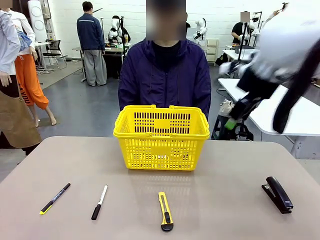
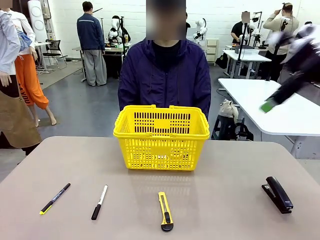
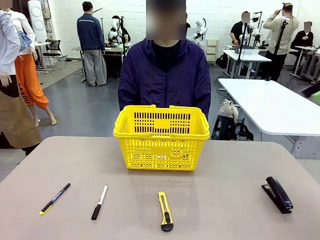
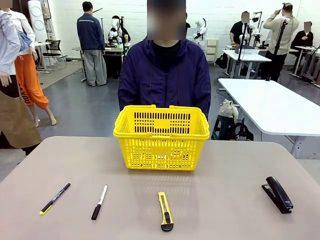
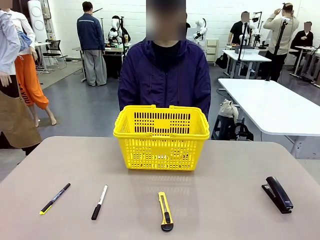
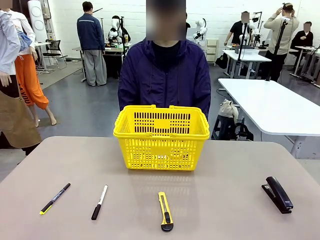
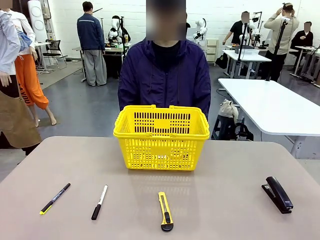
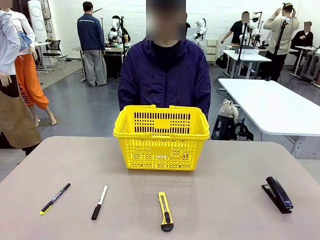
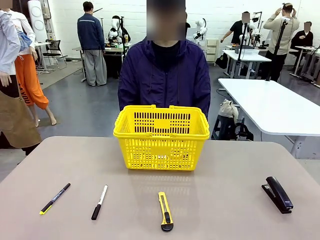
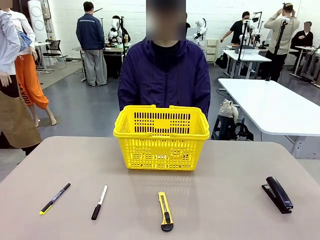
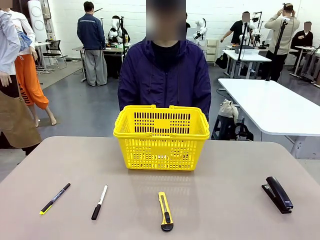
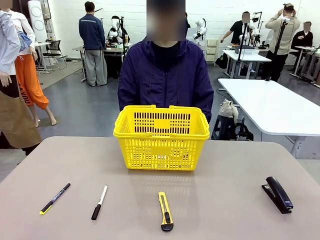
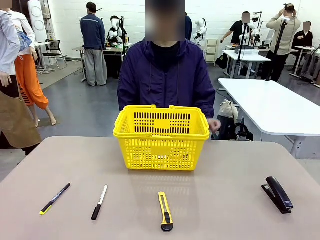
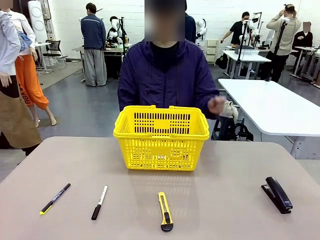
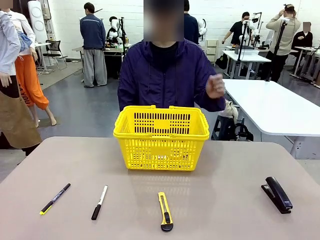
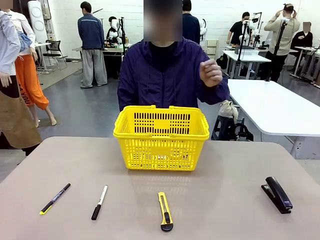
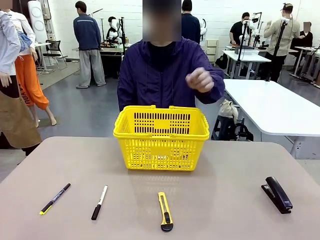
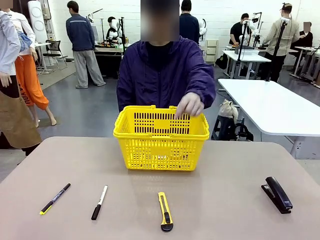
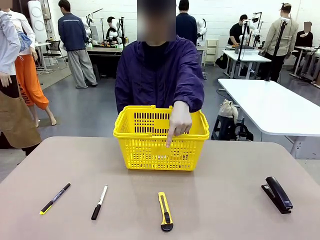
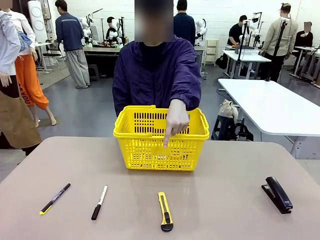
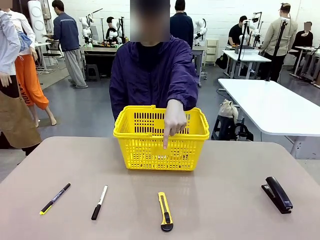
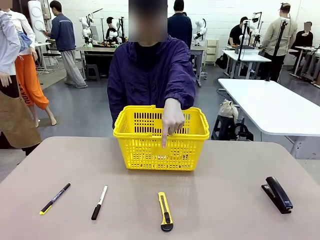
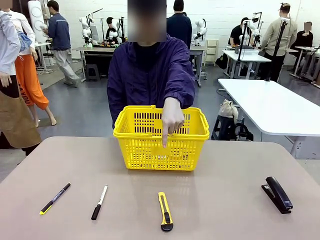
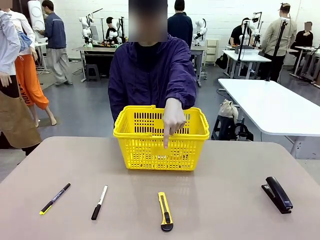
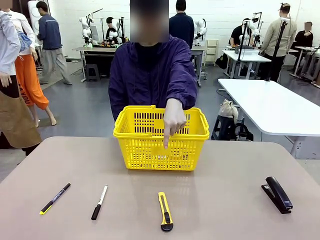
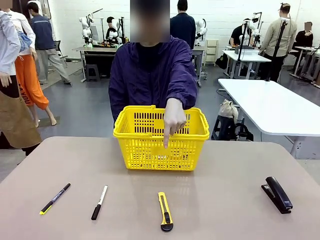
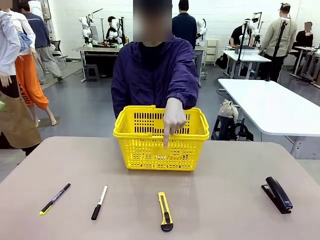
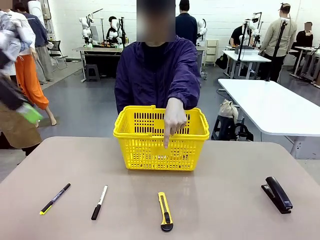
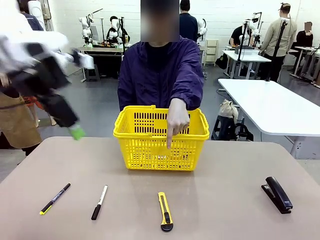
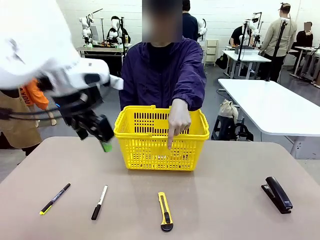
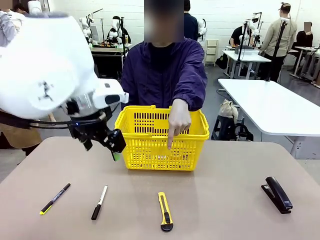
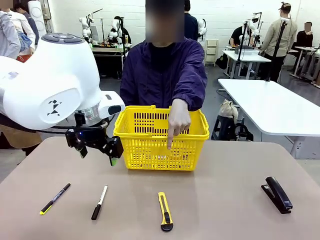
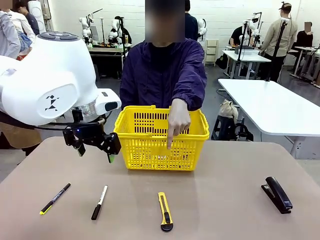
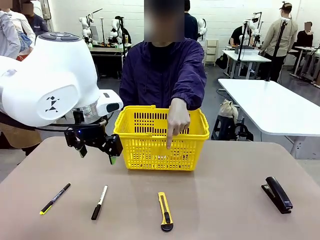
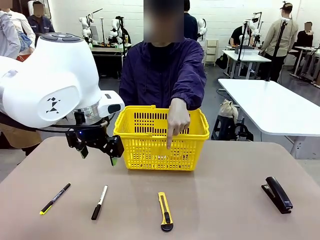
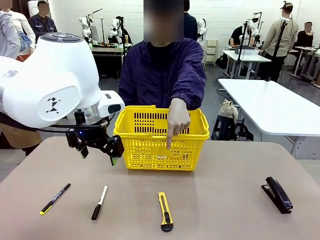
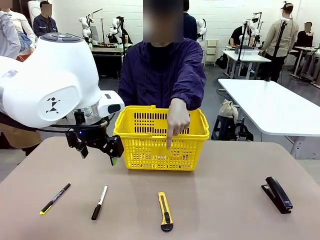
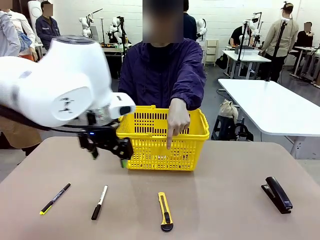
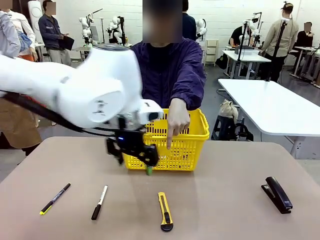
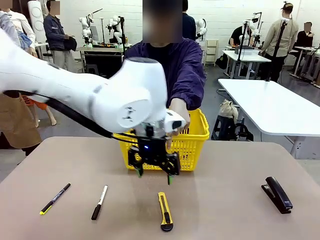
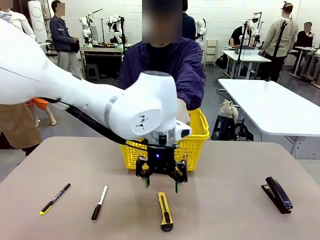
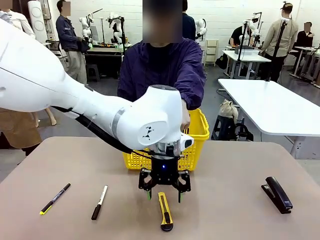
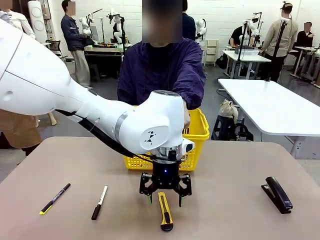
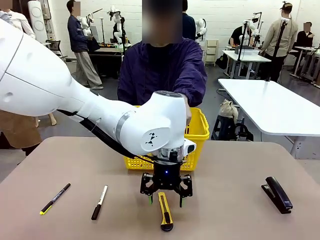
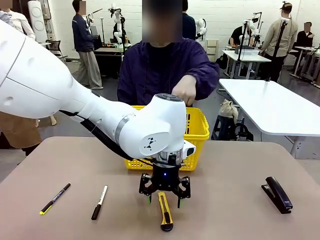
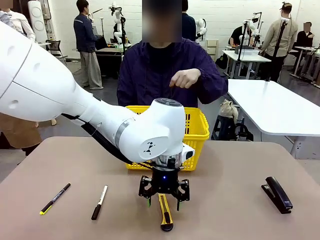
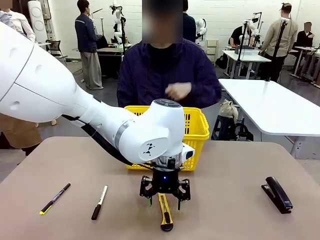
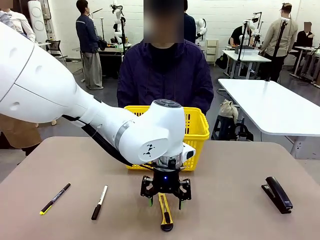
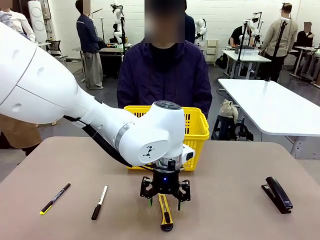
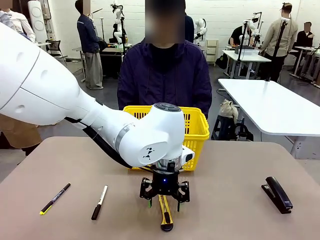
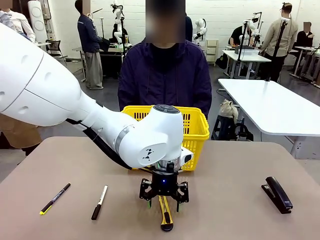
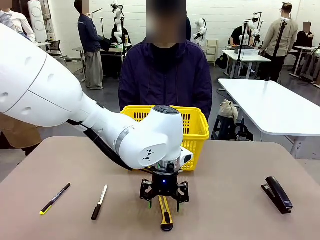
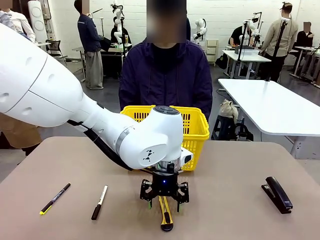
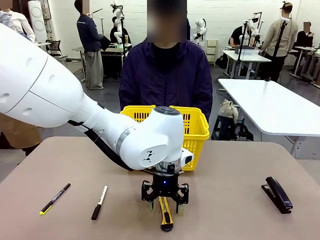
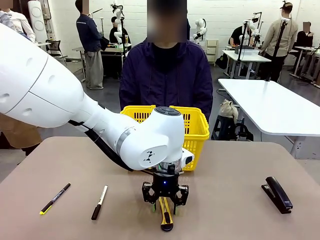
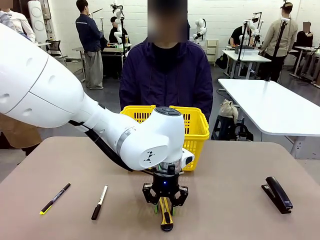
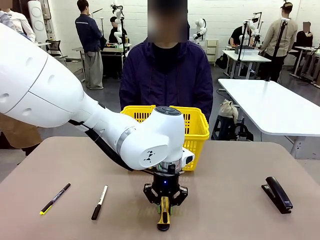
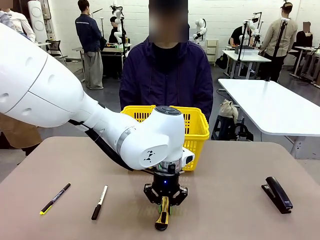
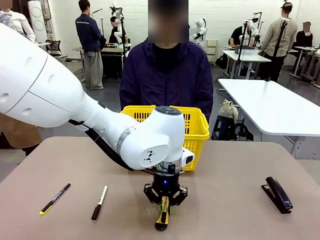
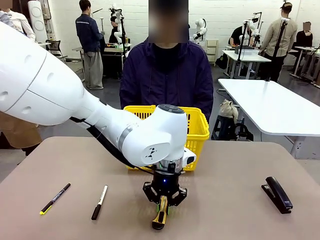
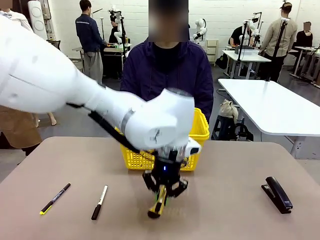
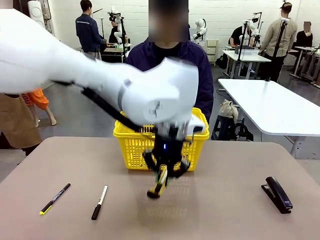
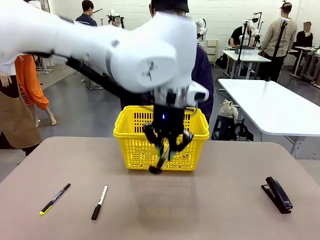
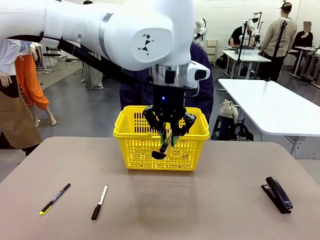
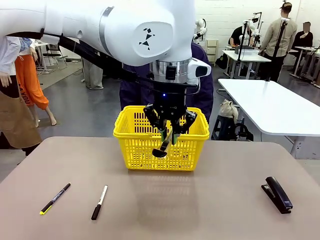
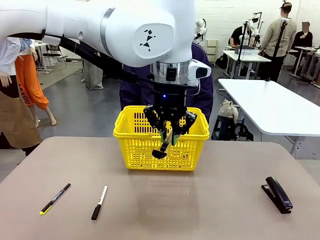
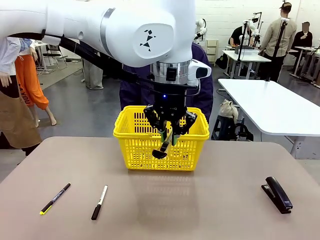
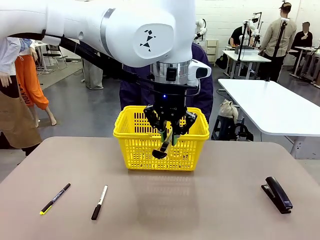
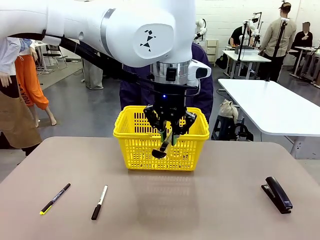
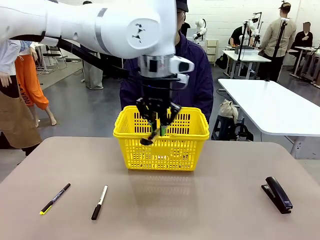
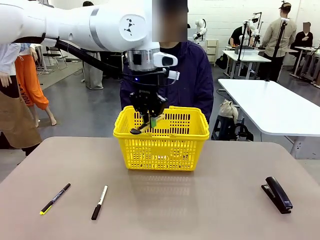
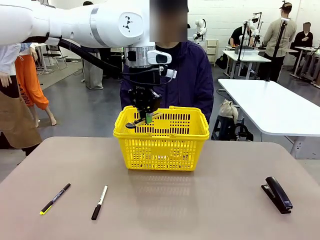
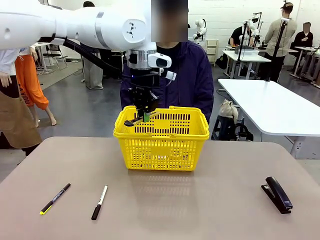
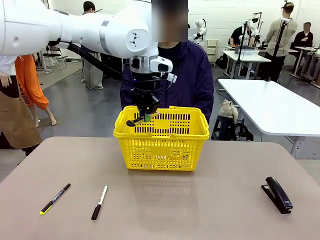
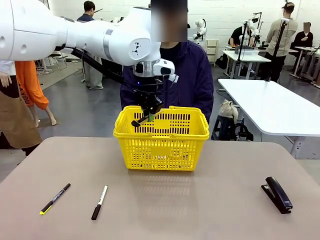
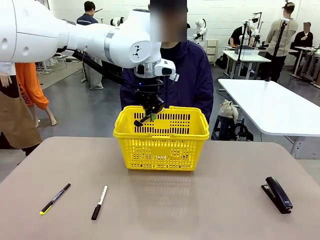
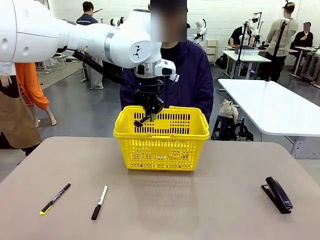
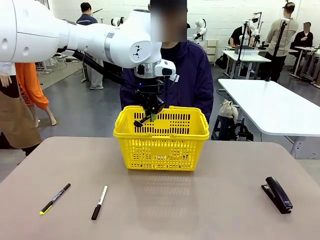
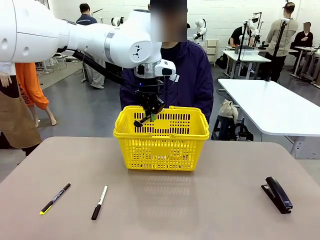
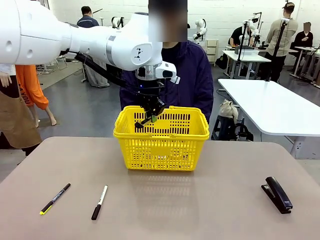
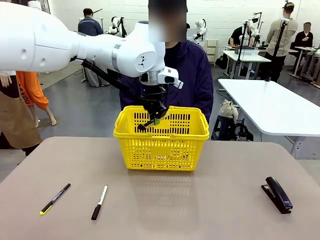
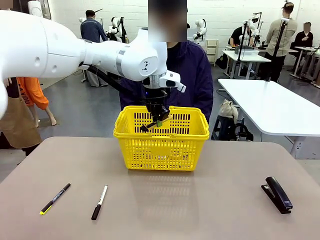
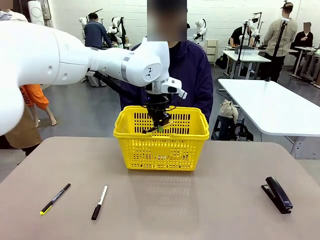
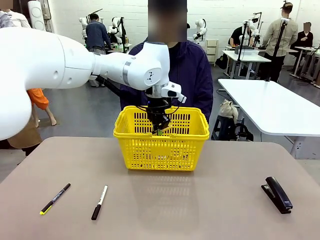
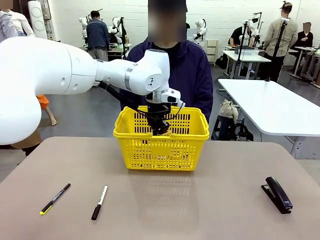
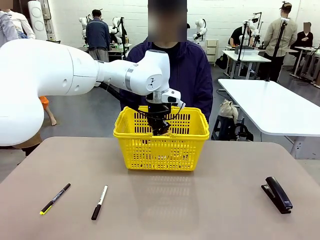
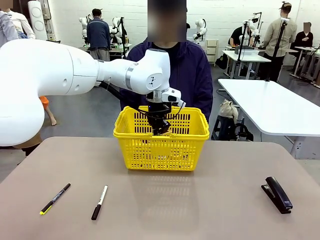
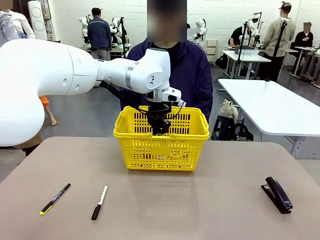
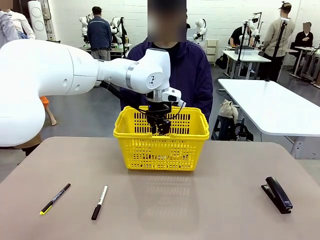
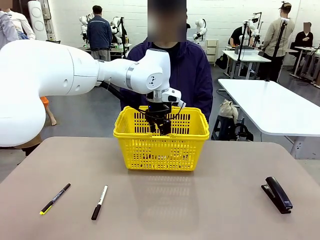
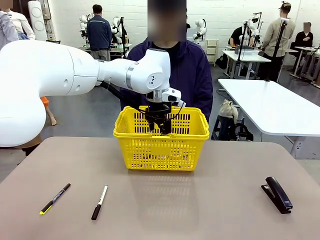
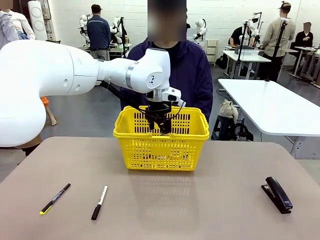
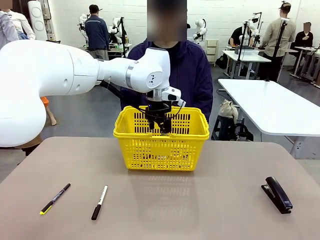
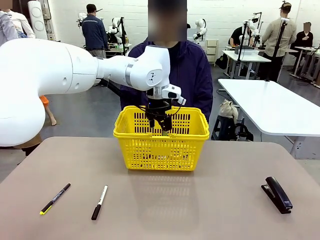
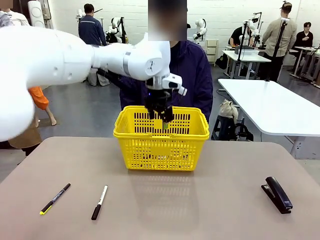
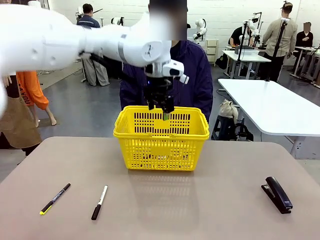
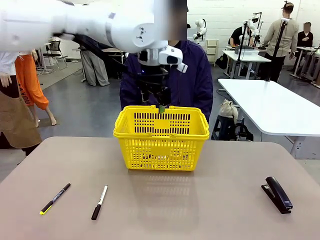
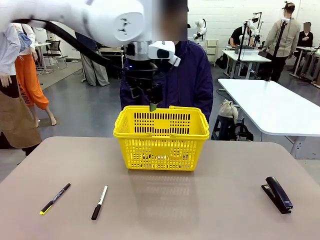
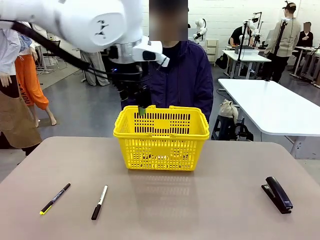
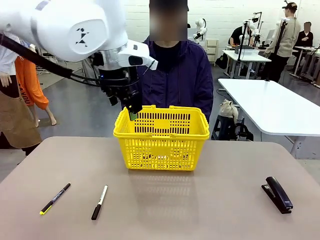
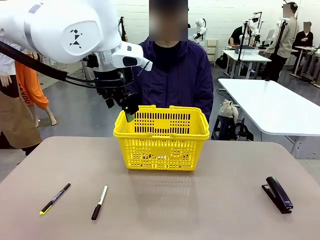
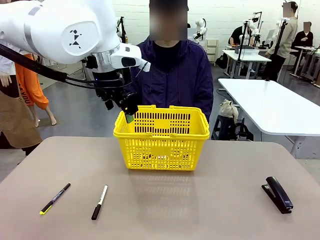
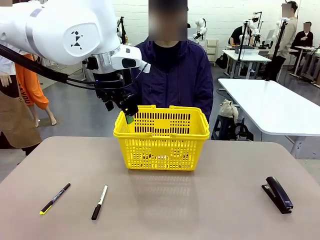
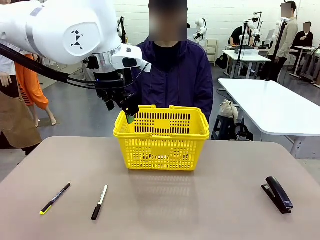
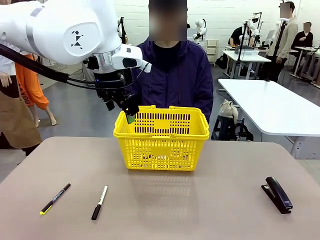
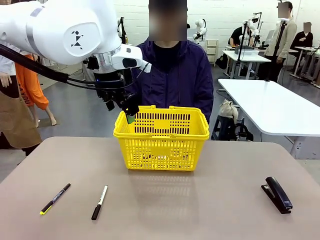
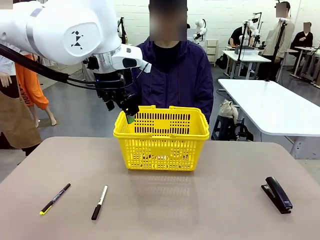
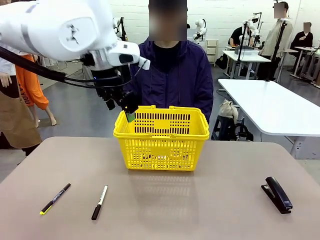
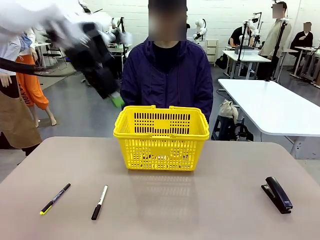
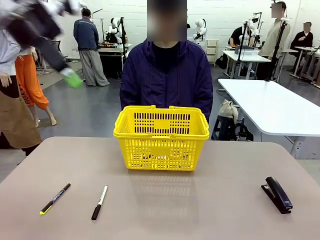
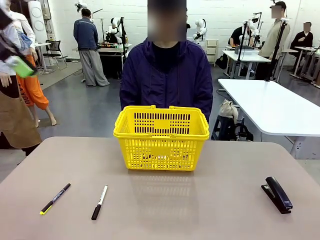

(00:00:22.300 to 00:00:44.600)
Task: Place the items the person wants into the basket.
Robot: Pick up the item the person points to and place it in the Market Basket.
